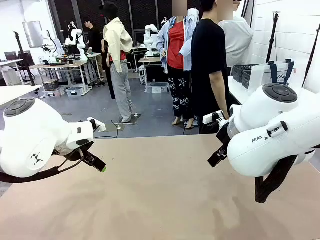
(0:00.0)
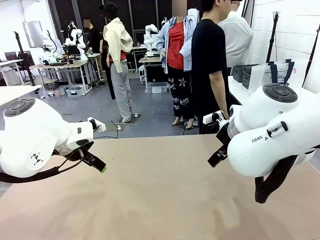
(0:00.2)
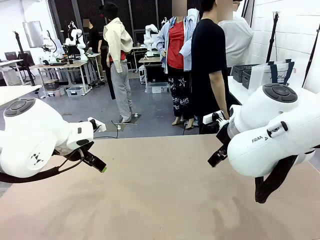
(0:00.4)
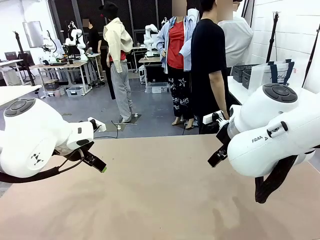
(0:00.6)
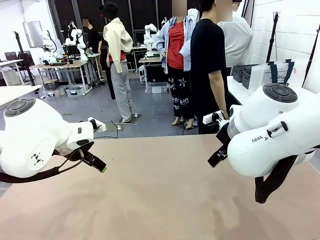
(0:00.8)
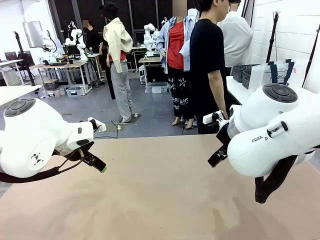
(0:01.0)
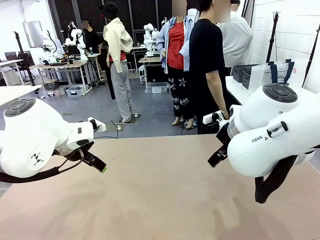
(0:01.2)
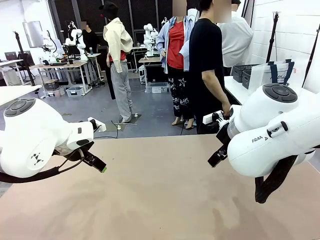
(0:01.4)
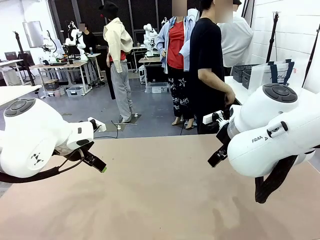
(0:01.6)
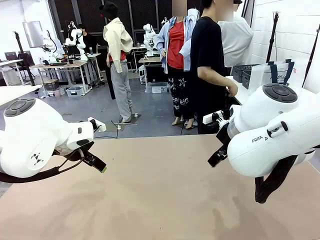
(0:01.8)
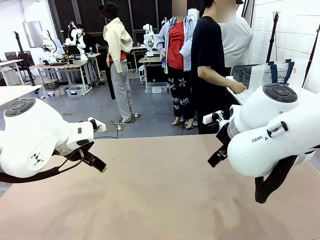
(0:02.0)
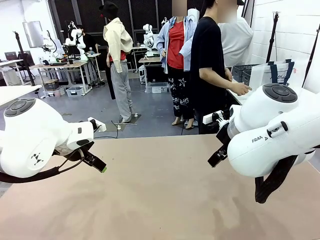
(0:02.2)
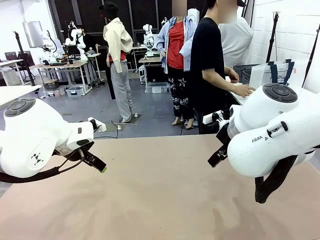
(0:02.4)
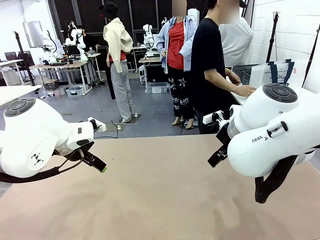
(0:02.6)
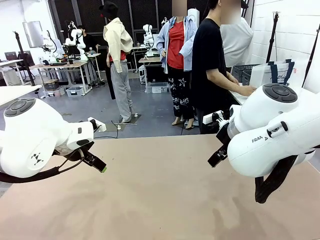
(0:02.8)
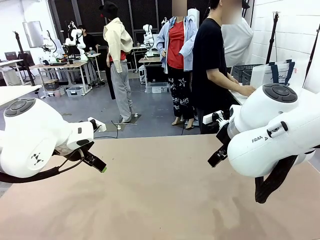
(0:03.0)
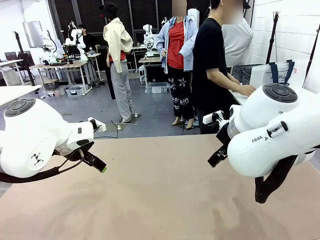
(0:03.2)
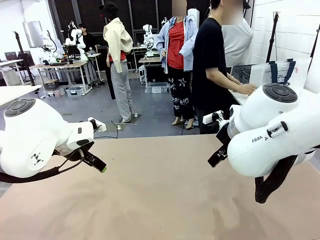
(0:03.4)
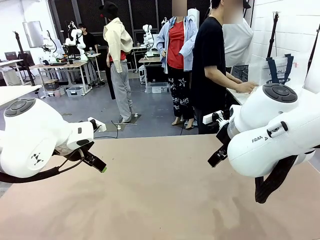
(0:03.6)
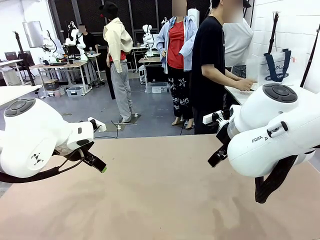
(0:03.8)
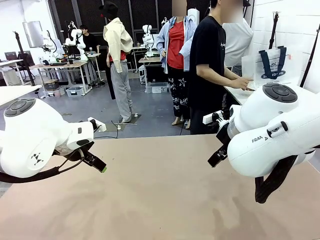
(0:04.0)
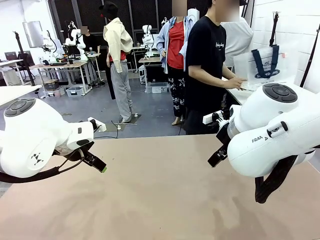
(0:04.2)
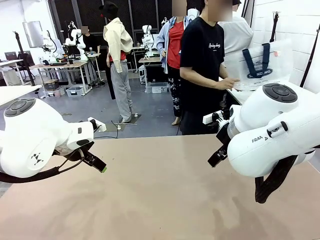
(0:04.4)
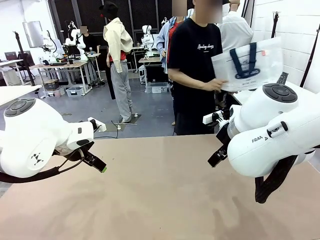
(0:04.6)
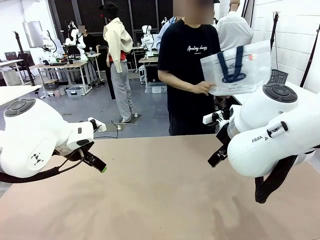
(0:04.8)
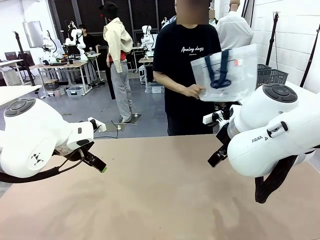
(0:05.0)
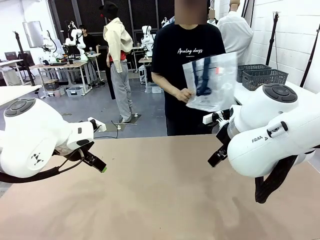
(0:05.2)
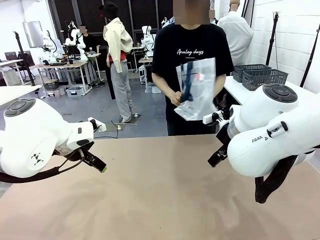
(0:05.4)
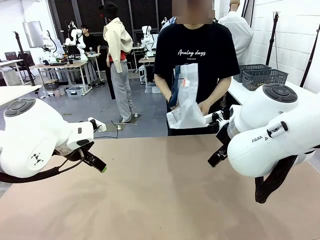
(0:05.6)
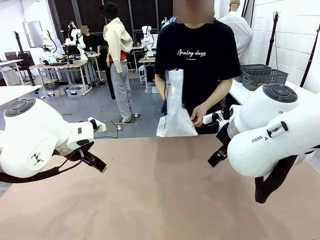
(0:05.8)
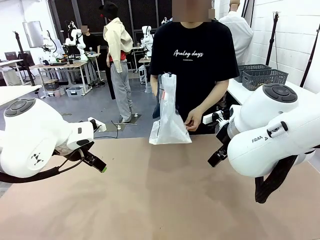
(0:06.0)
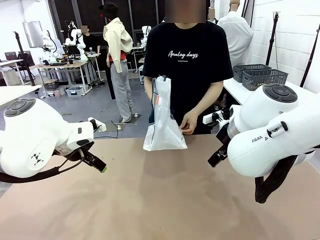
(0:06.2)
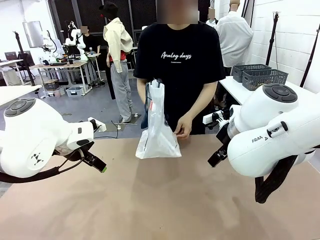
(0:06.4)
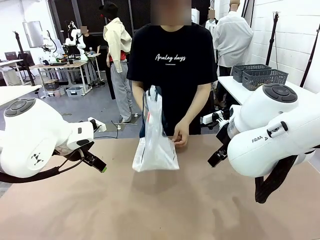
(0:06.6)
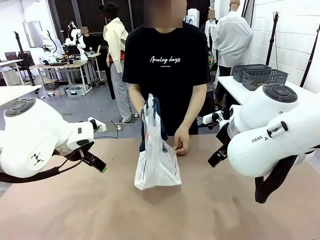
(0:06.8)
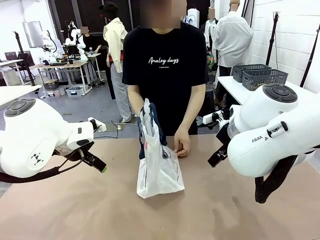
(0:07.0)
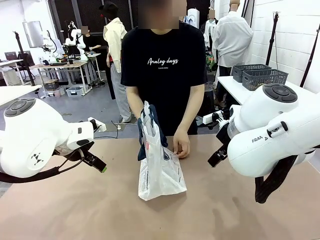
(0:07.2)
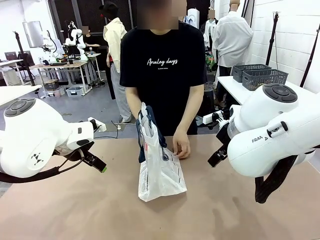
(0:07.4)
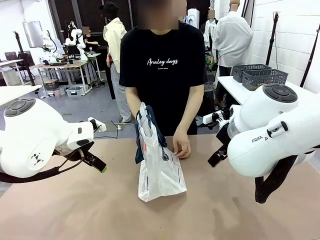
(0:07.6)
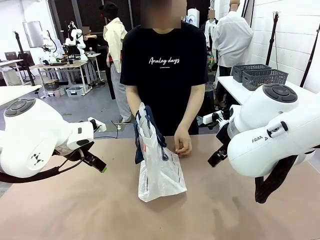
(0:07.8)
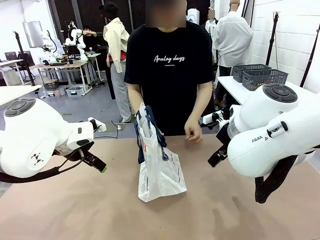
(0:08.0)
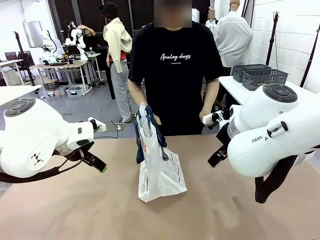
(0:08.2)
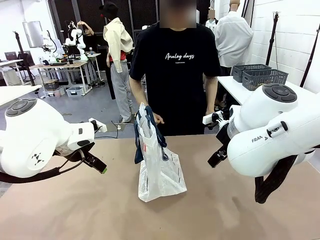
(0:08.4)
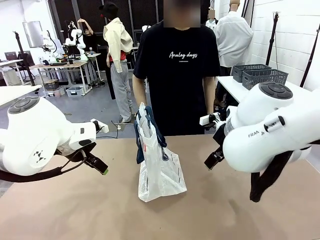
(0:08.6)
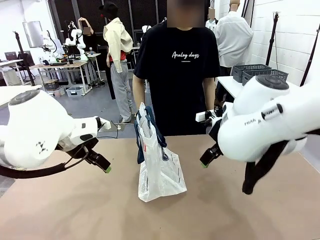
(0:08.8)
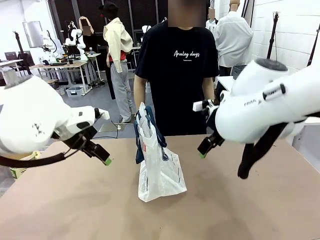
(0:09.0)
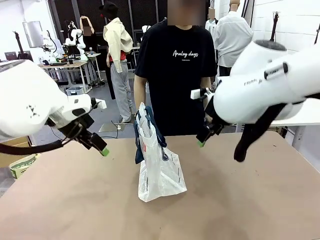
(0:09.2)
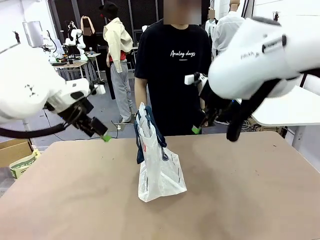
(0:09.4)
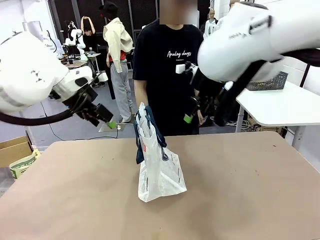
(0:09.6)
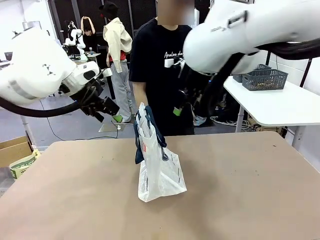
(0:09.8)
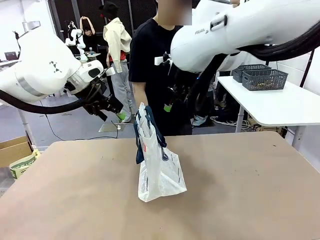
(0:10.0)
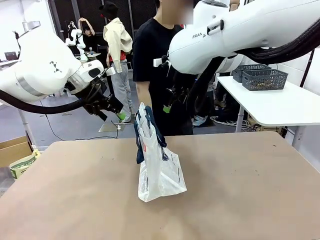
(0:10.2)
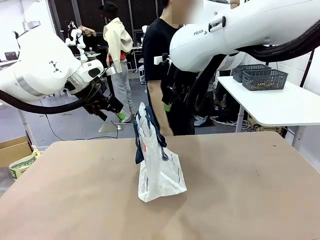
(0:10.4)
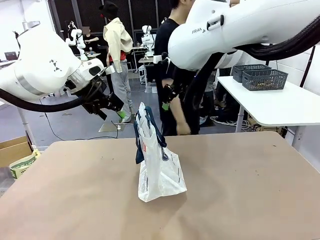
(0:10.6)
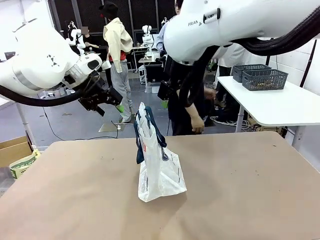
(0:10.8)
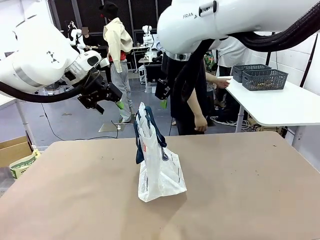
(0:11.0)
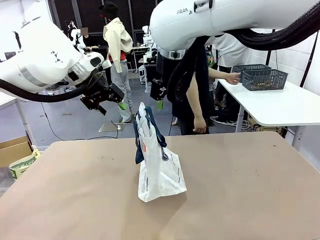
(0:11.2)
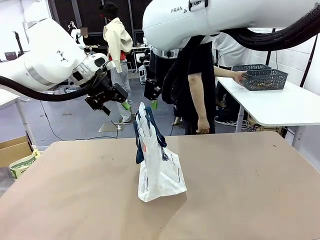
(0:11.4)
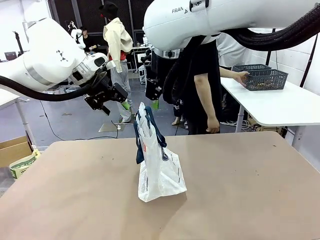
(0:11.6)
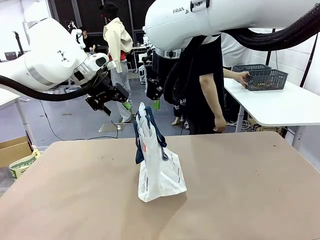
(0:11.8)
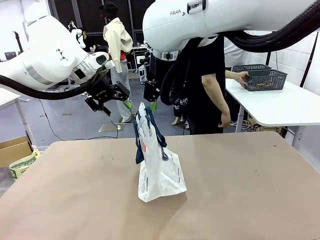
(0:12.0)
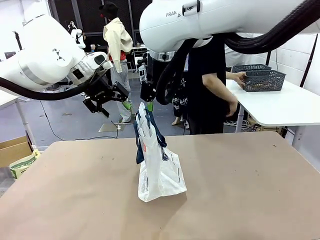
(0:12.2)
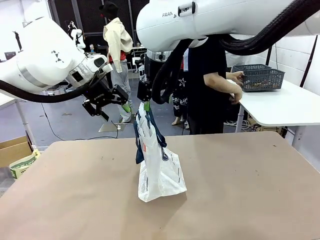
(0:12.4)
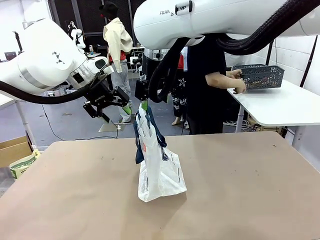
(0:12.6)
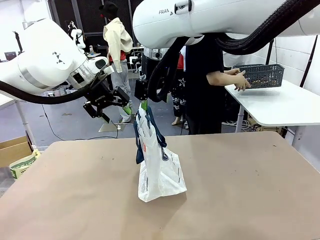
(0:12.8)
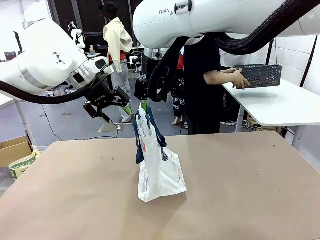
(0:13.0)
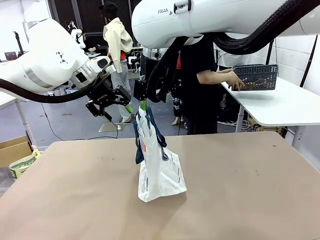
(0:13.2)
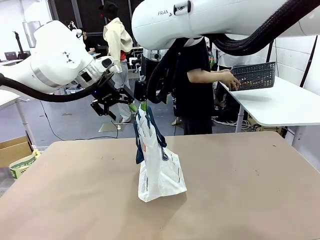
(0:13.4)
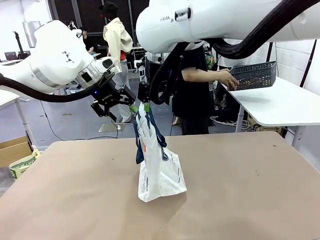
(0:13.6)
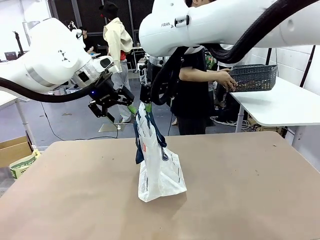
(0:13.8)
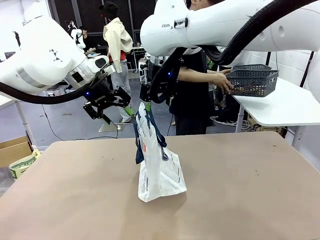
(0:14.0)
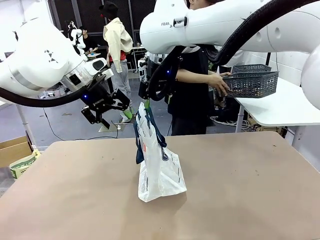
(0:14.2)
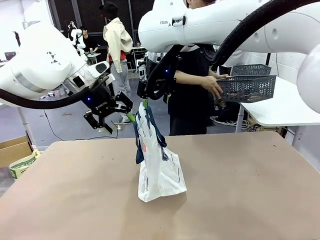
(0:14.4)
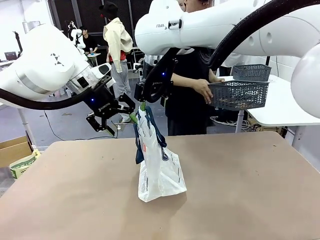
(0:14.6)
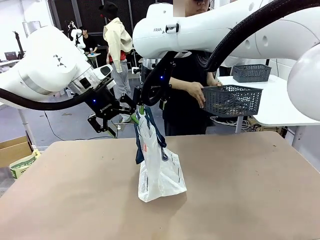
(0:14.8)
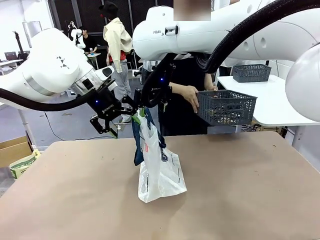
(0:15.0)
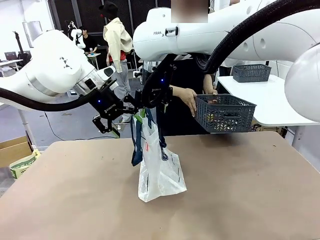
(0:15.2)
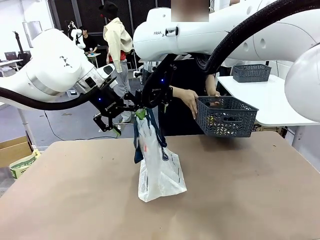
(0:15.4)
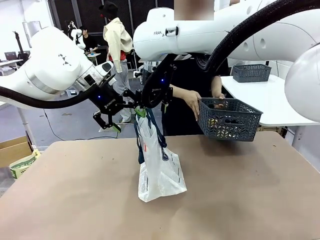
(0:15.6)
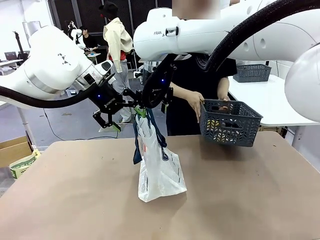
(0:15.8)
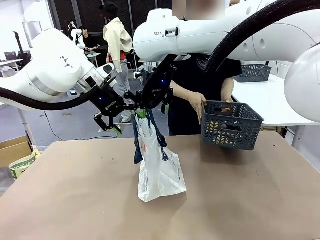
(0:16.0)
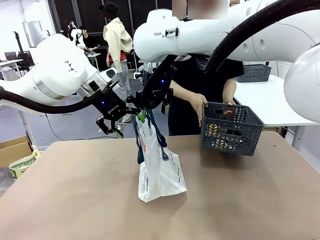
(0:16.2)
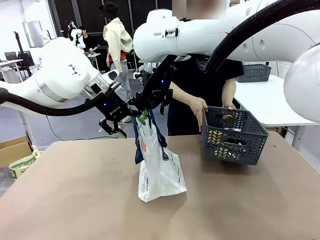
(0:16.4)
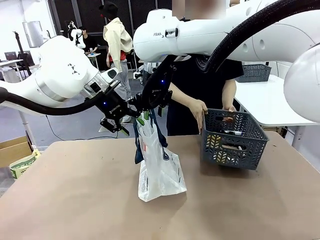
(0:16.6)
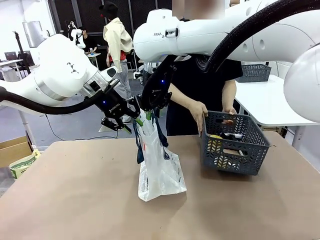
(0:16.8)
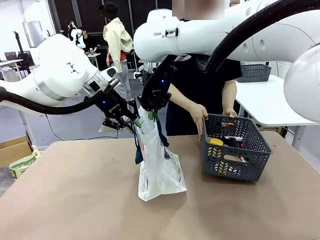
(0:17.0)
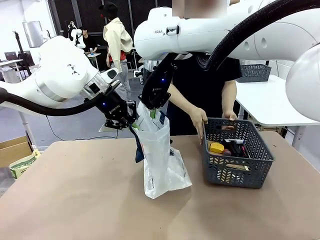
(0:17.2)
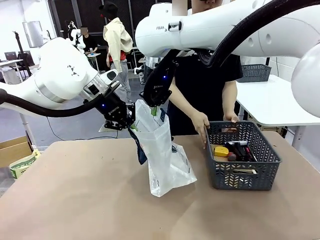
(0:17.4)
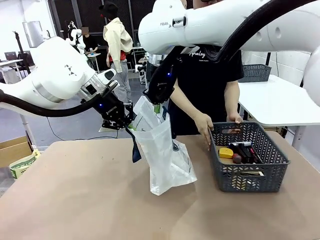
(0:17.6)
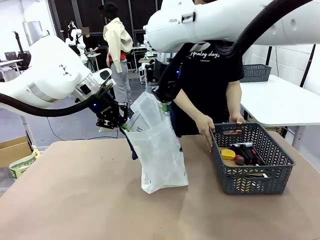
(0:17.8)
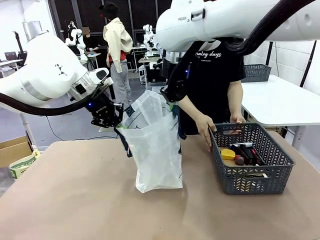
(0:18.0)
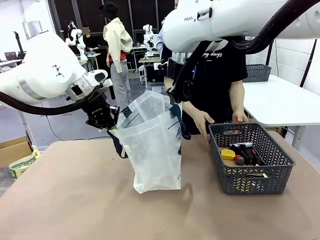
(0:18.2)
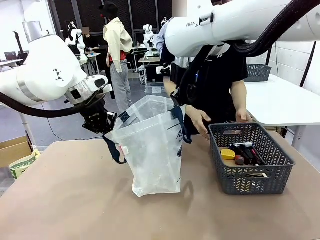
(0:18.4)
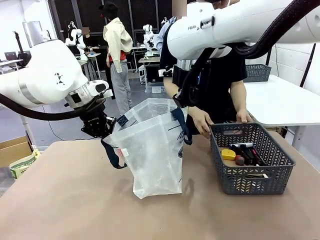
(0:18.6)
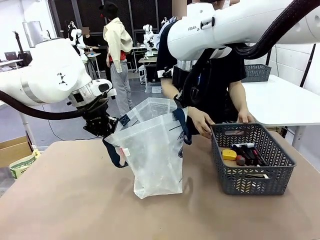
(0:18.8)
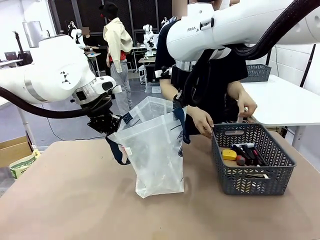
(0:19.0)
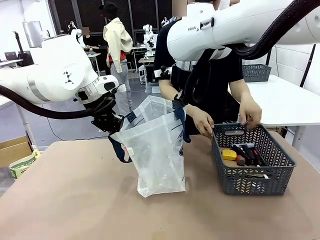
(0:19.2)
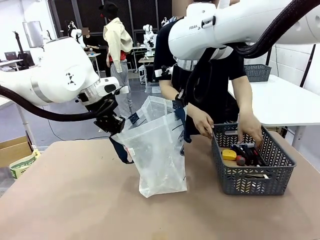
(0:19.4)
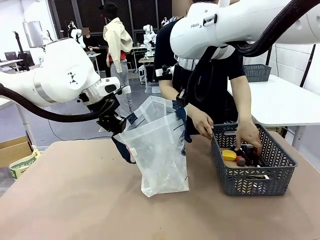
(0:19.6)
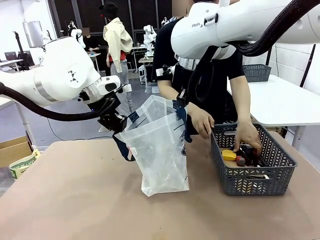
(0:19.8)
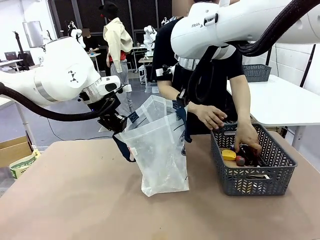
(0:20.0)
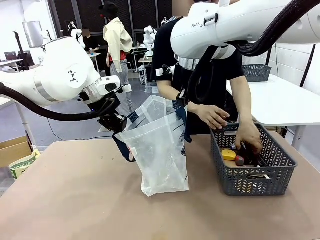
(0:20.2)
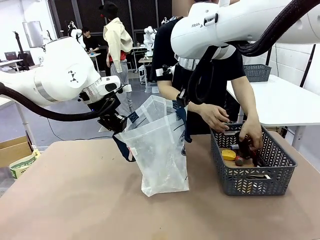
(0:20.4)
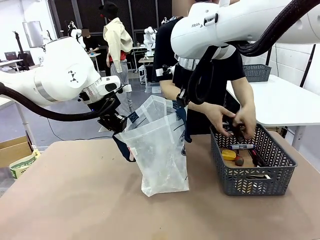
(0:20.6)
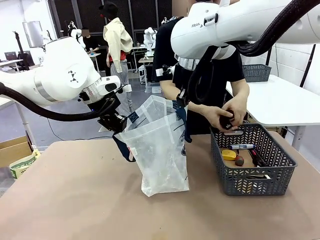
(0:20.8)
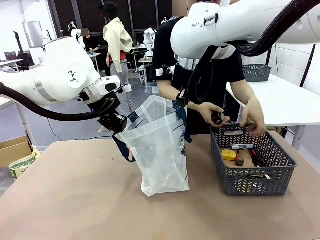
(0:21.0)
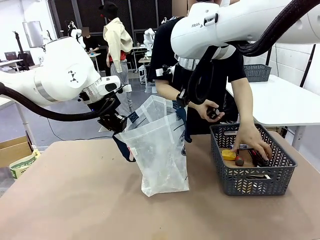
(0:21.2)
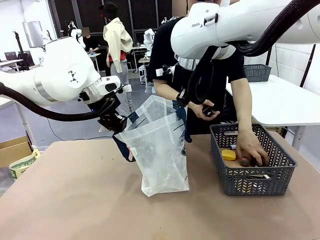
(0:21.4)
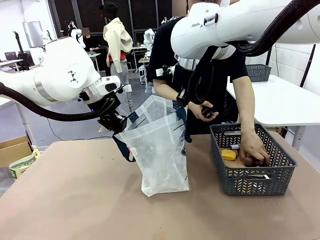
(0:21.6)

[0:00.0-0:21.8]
Task: Transfer purchased items from the store into the shopping bag.
Robot: Open the Reusable shopping bag in the center of the table.
Person: Pick up the shopping bag and place it in the middle of the robot table.
